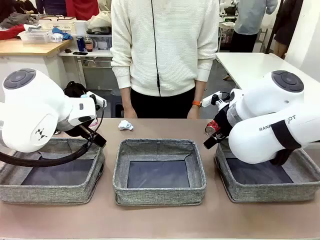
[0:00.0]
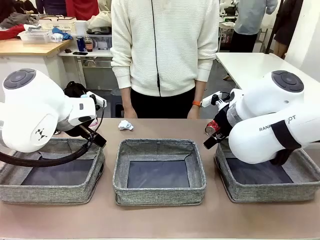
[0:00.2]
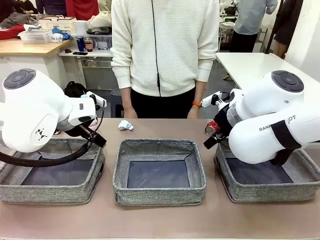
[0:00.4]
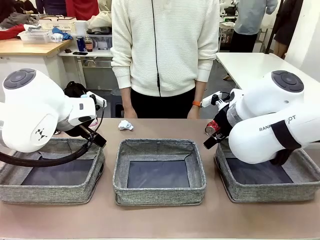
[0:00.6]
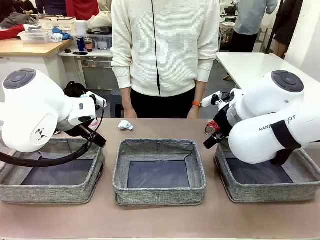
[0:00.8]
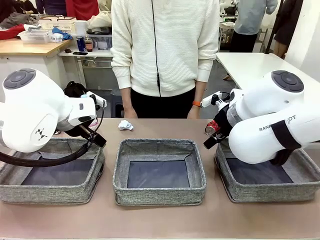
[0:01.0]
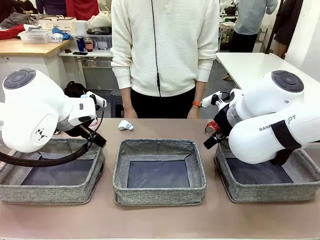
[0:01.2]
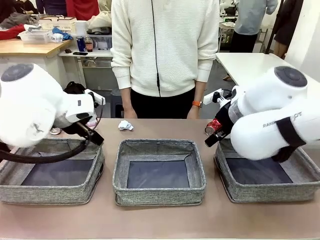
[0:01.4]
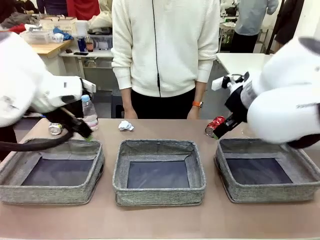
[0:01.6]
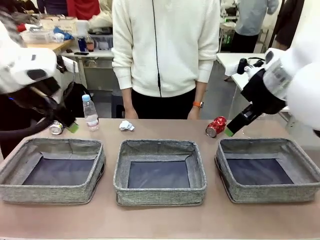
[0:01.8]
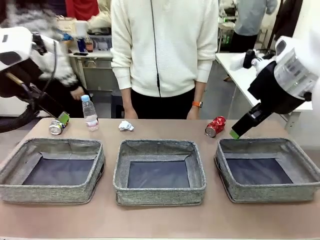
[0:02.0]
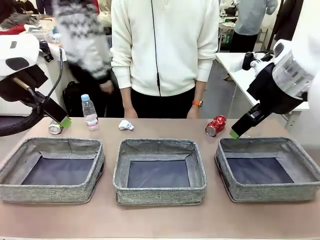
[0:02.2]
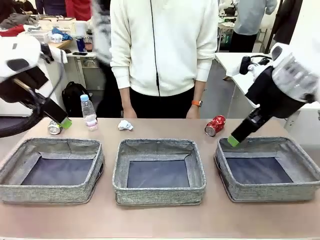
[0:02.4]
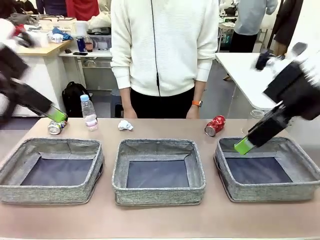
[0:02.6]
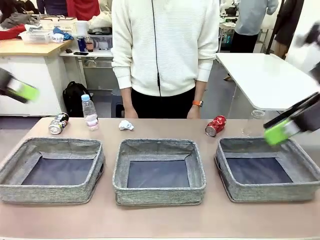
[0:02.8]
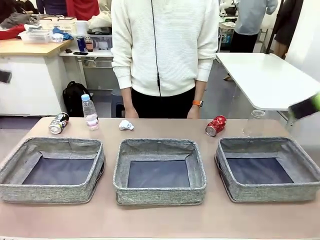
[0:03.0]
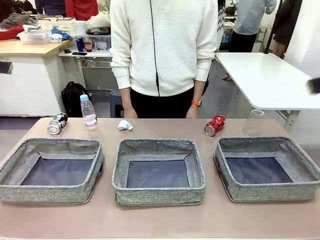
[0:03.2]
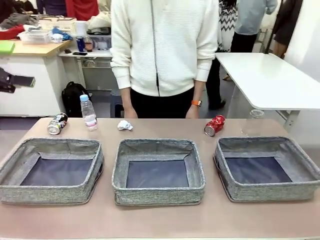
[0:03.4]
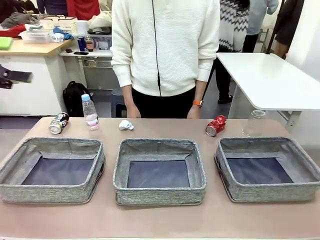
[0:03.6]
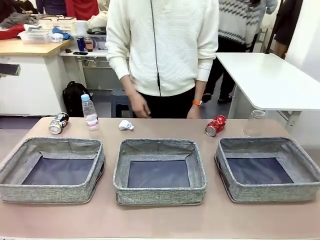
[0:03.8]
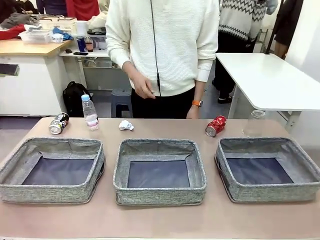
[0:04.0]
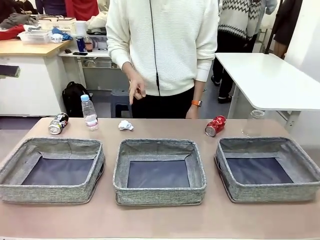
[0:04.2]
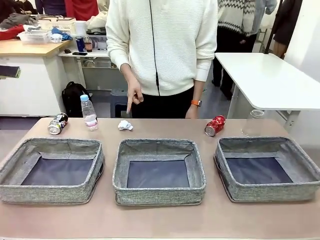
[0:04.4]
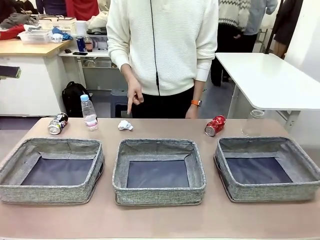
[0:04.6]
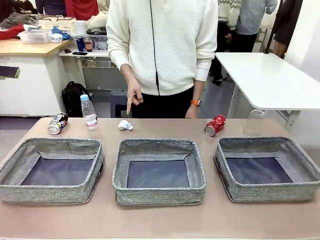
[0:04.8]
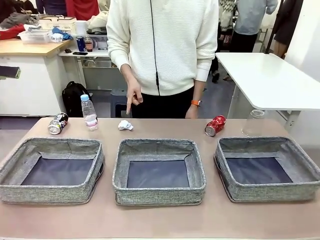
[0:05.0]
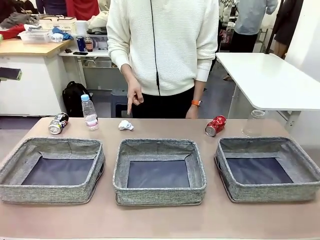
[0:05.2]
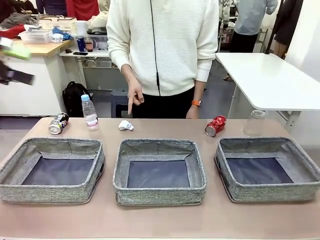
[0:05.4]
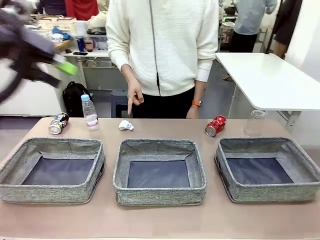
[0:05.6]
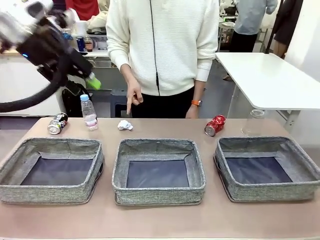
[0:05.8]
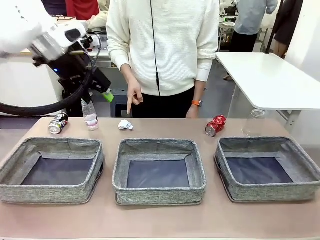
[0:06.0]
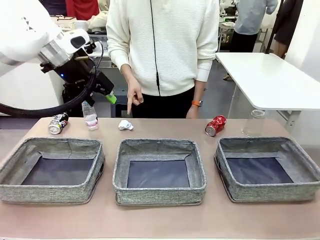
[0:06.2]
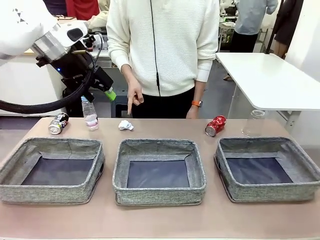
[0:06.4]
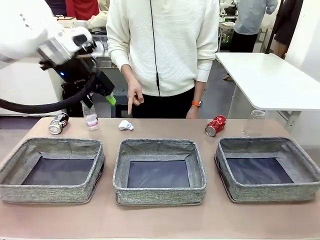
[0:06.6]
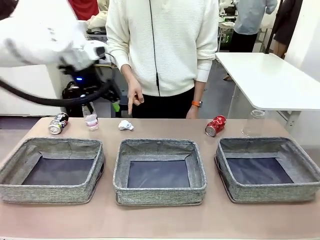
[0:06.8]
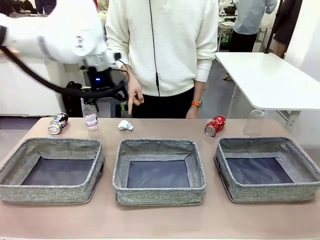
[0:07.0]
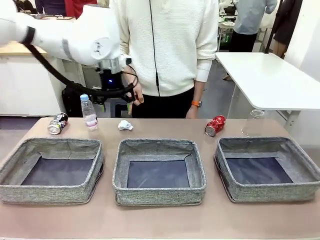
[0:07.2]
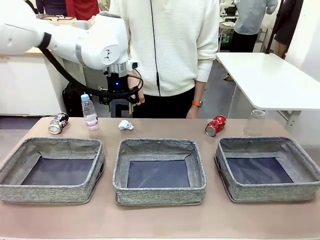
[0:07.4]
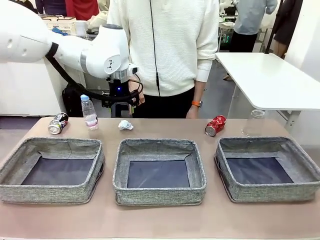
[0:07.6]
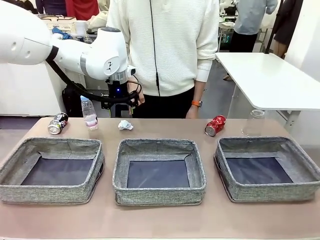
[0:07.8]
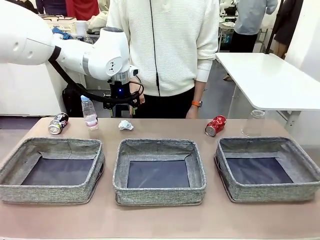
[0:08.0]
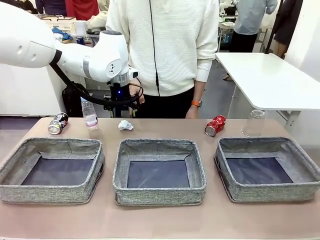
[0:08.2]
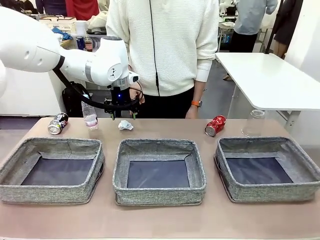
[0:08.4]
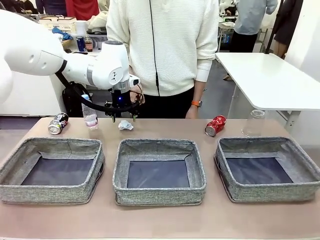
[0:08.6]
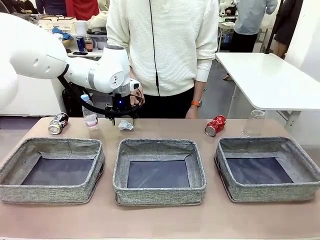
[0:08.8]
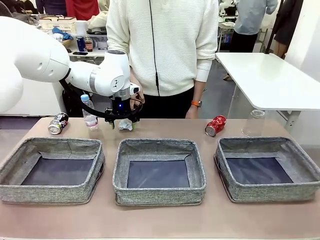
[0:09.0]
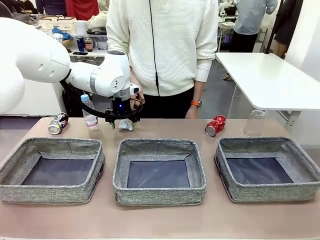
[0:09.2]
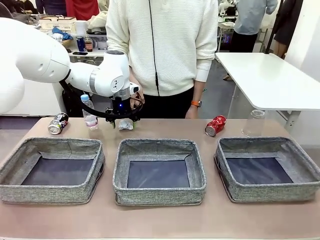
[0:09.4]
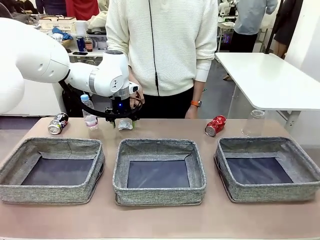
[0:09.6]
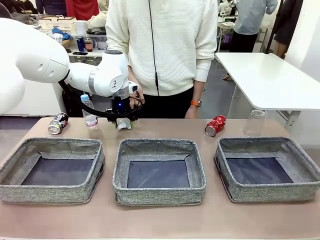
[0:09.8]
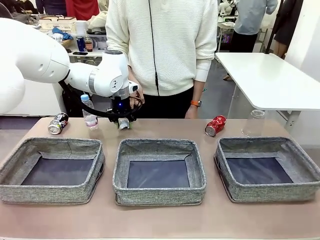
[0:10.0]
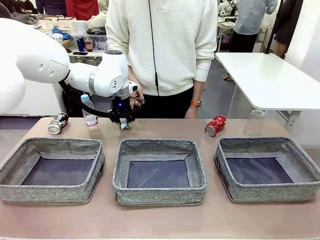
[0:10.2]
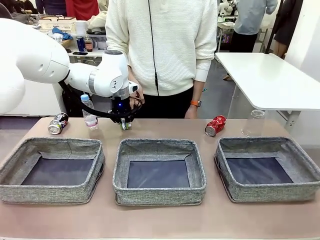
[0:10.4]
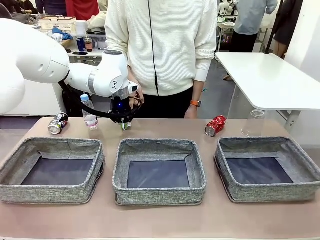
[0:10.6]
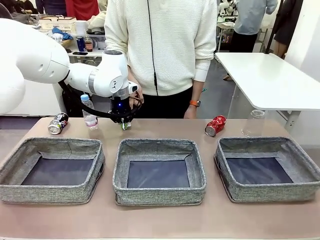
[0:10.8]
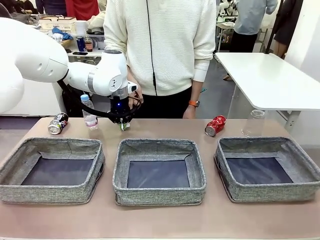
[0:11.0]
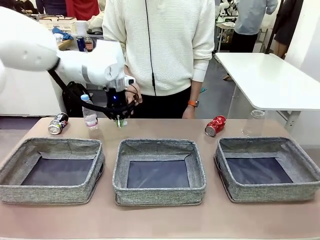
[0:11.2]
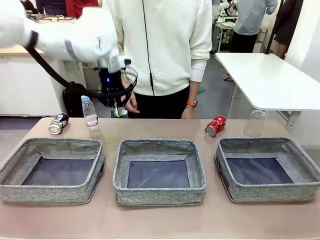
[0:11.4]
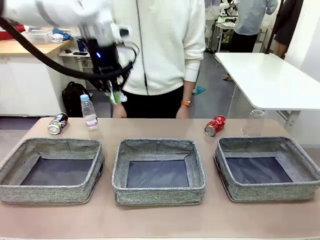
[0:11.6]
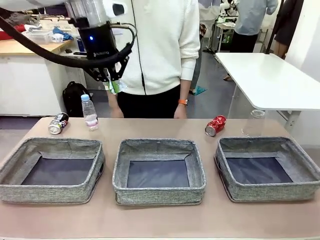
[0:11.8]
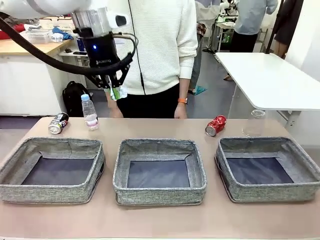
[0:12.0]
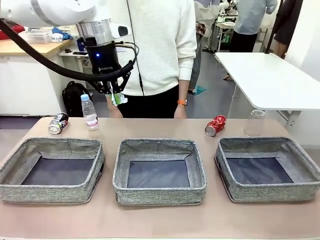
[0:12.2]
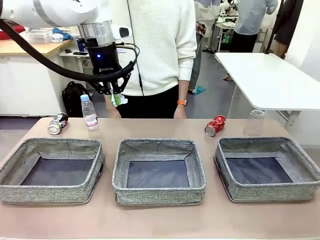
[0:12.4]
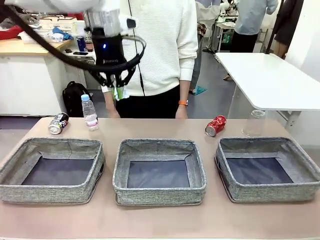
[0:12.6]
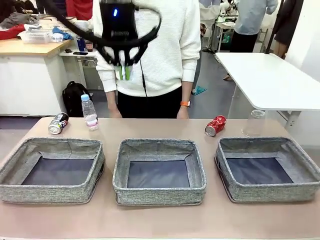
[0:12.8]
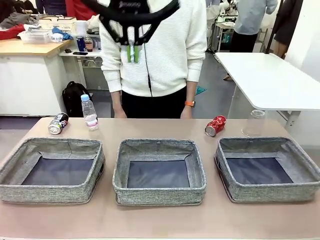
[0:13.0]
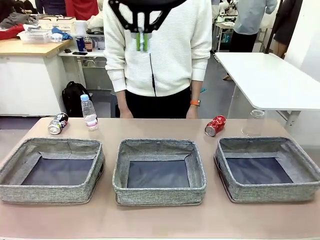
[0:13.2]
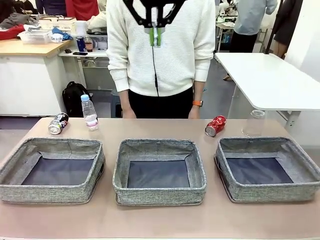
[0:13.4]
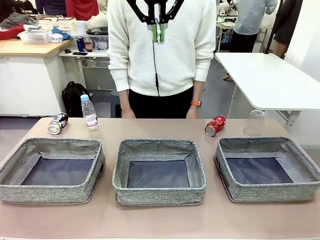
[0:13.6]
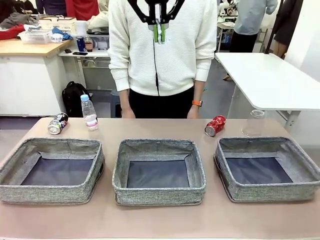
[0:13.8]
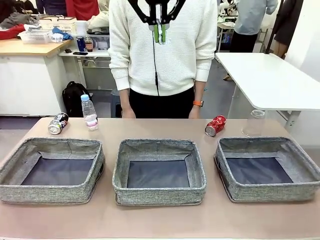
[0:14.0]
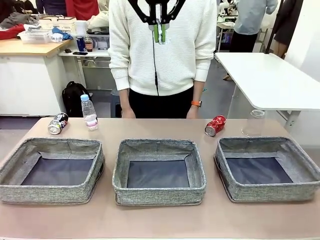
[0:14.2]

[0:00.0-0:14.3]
Task: Sort the waste into the appropriate baskets.
Robot: Pick up the waste item pointed out by the person.
Person: Points to one piece of trash on the table.

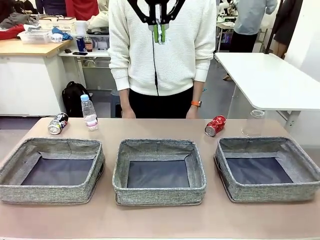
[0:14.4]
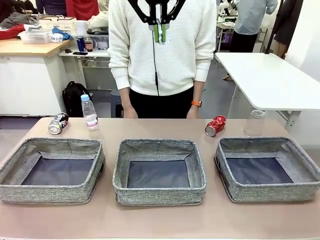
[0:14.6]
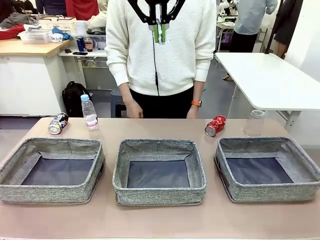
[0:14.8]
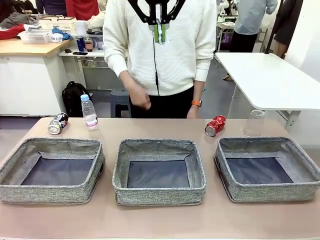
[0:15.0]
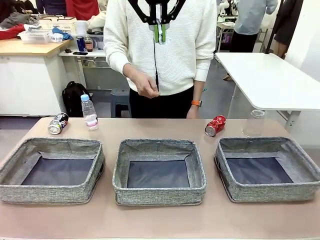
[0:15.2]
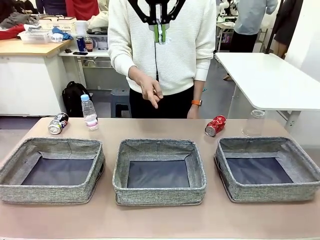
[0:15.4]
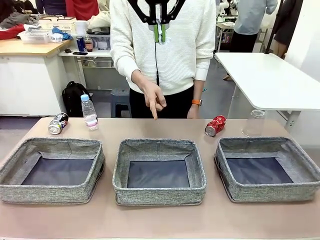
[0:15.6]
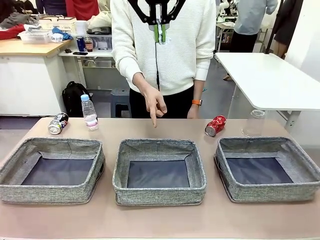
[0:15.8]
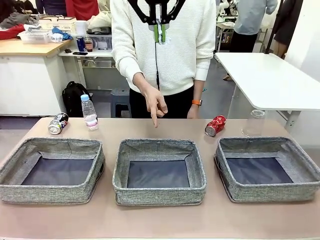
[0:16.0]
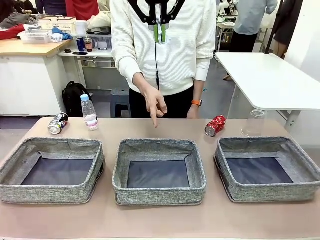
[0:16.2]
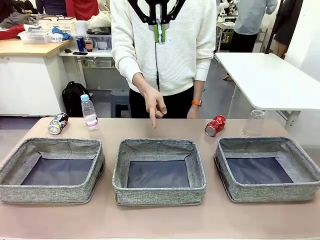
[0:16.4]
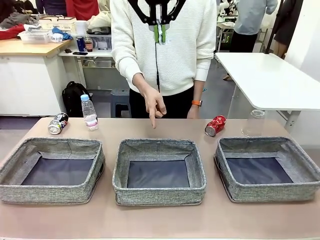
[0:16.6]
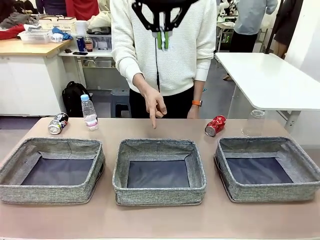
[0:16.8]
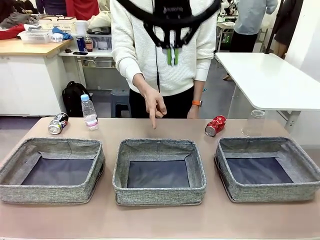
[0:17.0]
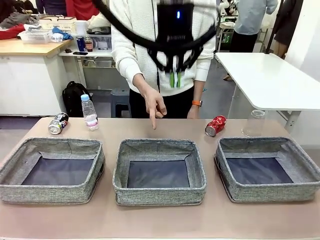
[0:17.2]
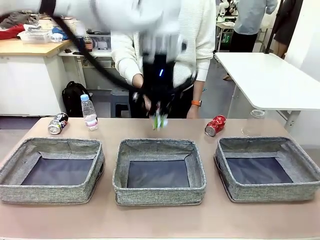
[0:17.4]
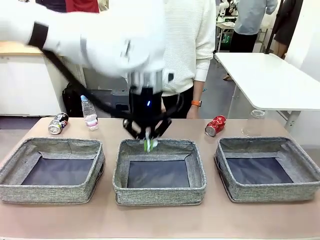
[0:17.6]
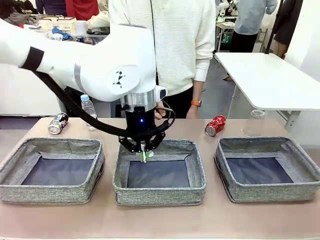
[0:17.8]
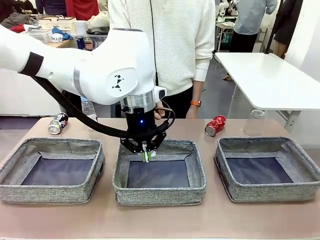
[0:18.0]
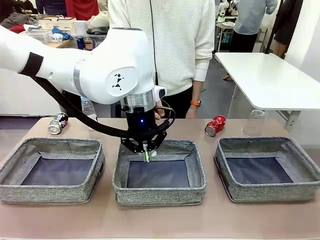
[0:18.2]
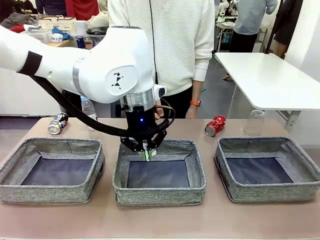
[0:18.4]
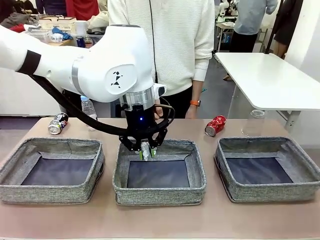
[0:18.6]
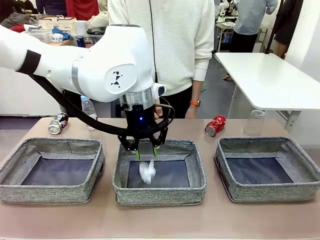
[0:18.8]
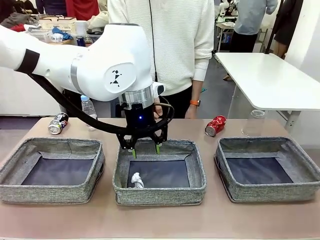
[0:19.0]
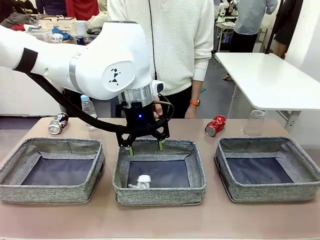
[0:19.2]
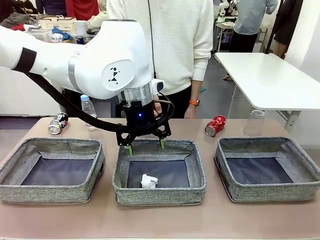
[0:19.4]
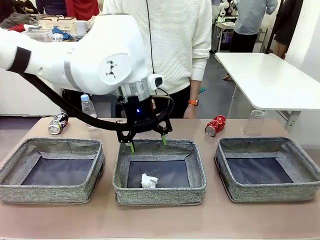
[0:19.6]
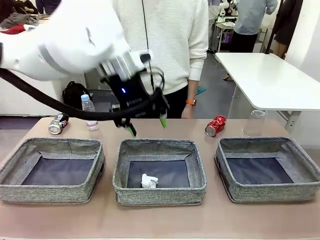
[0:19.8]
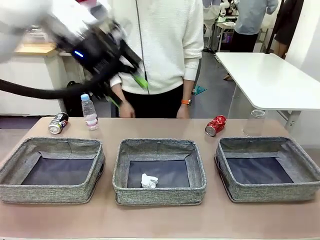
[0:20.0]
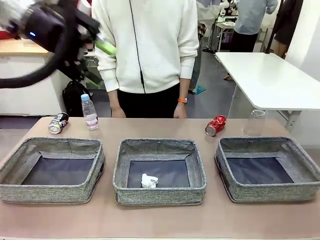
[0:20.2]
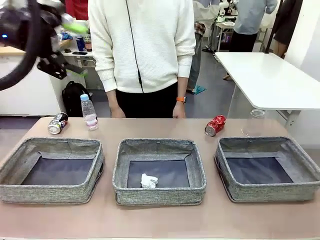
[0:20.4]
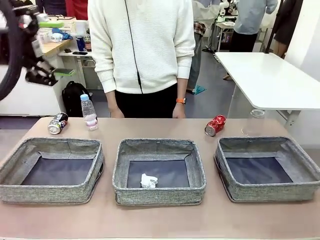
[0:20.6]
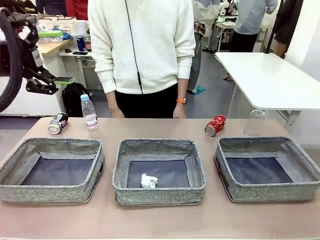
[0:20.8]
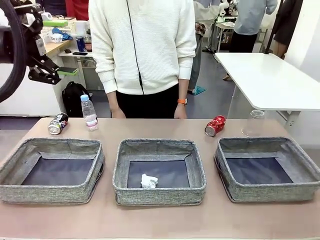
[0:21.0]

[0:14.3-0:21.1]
Robot: Place the picked waste into the Fabric basket indicated by the person.
Person: Instructs the robot to place the picked-up trash into the appropriate organizing basket.
